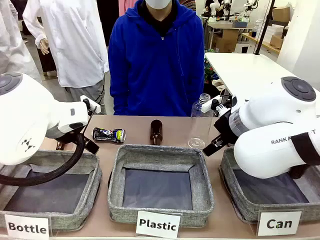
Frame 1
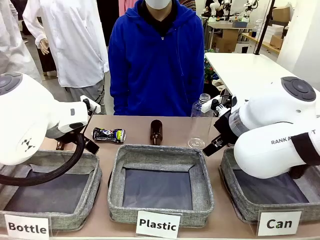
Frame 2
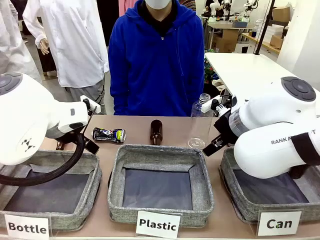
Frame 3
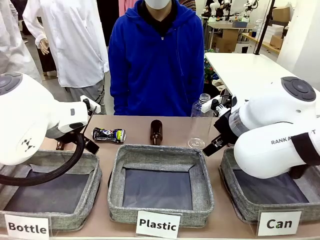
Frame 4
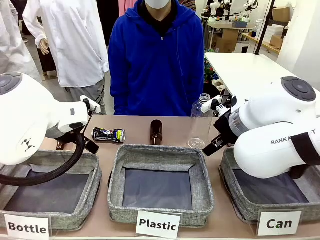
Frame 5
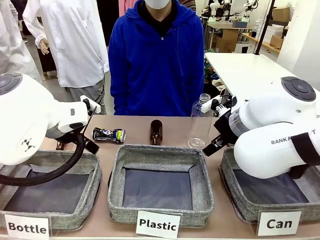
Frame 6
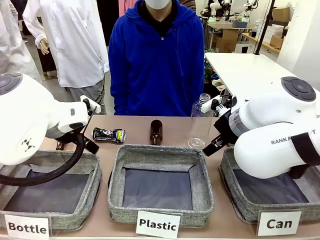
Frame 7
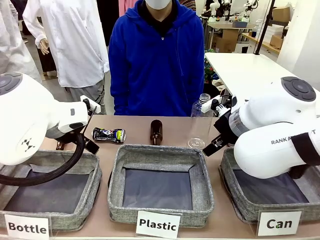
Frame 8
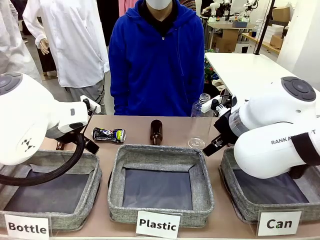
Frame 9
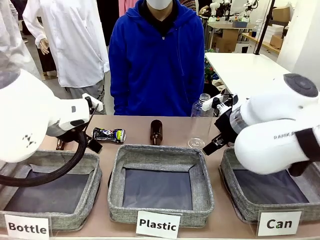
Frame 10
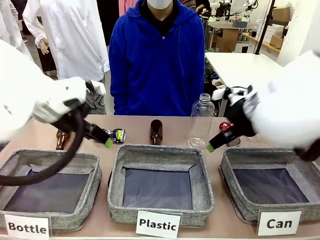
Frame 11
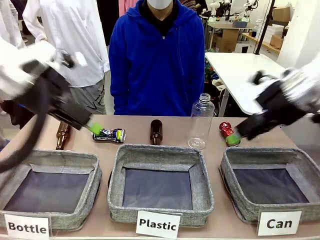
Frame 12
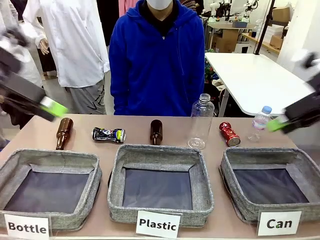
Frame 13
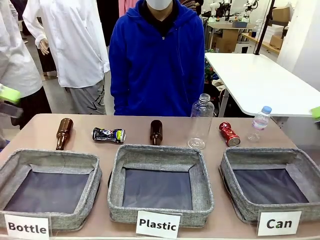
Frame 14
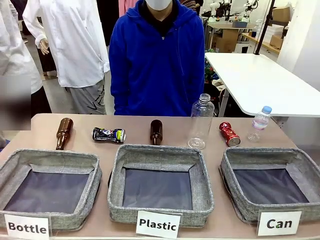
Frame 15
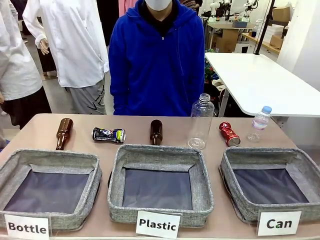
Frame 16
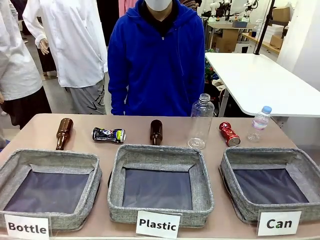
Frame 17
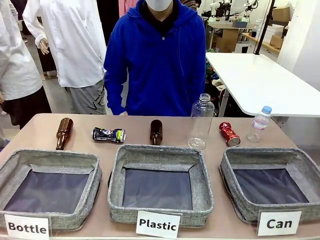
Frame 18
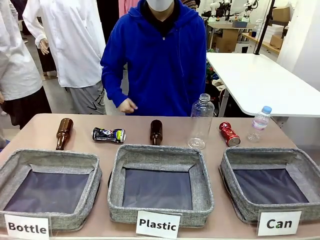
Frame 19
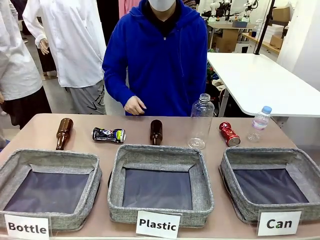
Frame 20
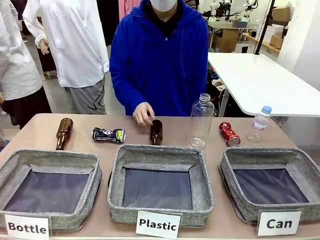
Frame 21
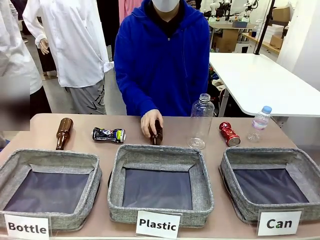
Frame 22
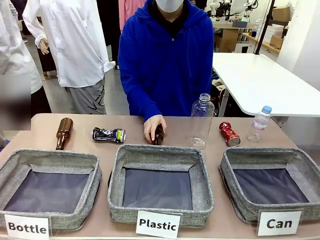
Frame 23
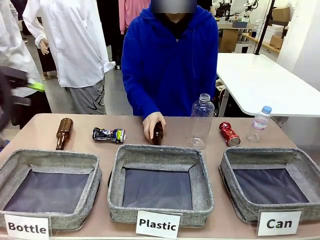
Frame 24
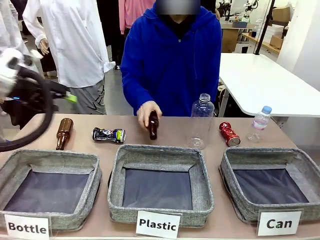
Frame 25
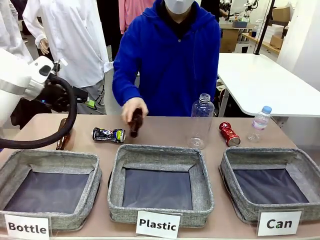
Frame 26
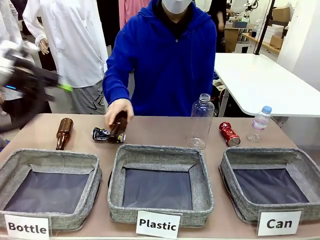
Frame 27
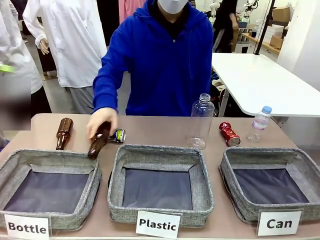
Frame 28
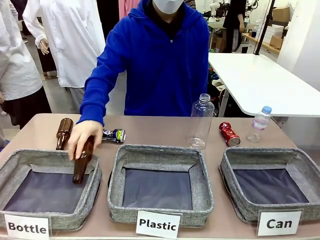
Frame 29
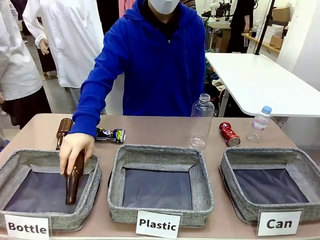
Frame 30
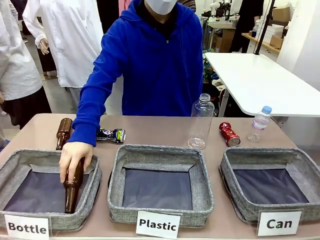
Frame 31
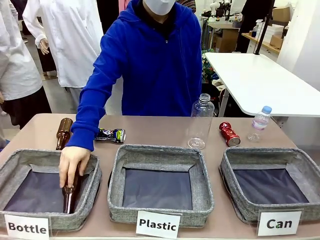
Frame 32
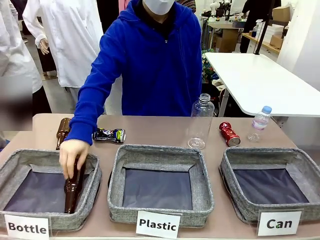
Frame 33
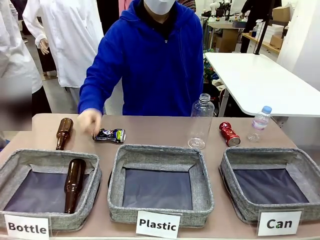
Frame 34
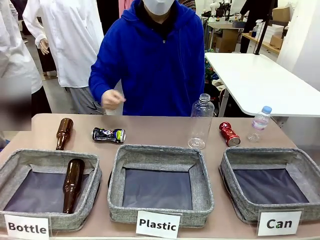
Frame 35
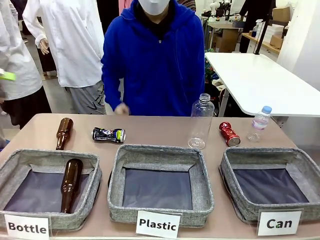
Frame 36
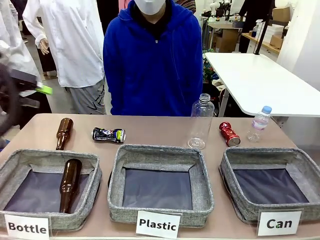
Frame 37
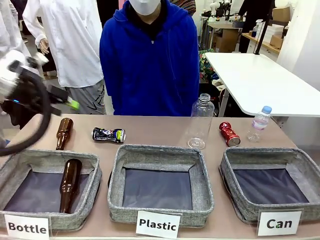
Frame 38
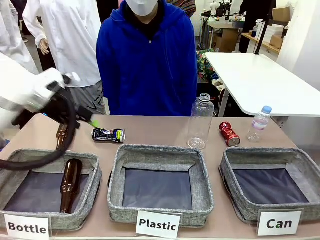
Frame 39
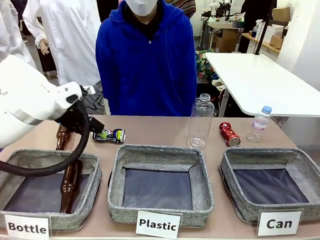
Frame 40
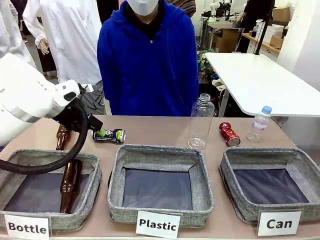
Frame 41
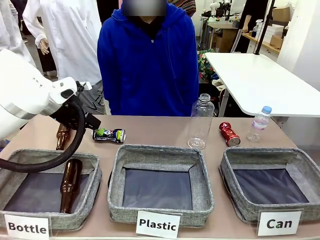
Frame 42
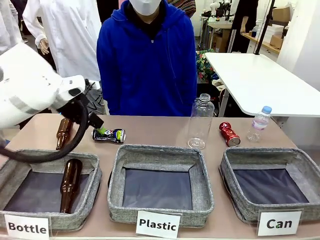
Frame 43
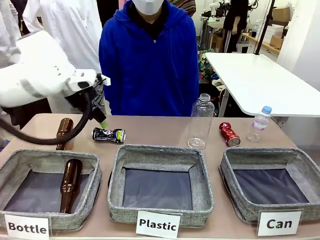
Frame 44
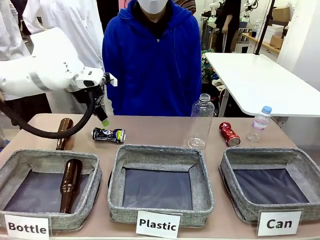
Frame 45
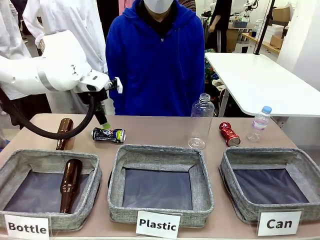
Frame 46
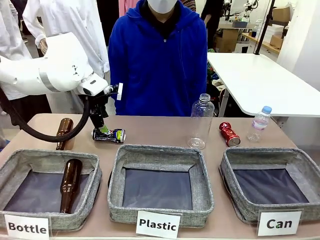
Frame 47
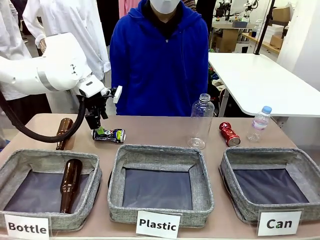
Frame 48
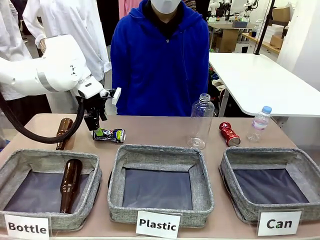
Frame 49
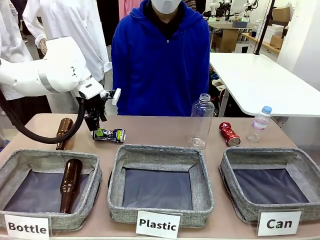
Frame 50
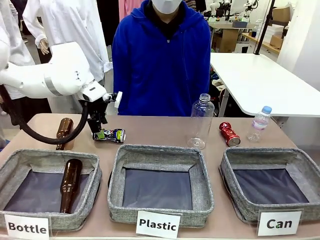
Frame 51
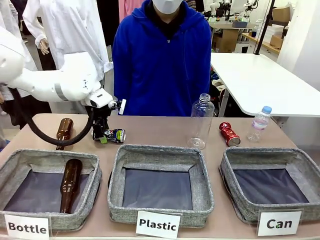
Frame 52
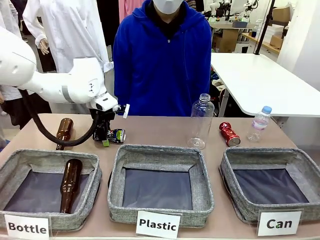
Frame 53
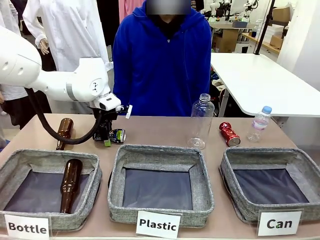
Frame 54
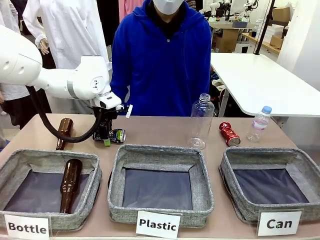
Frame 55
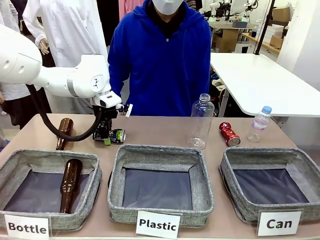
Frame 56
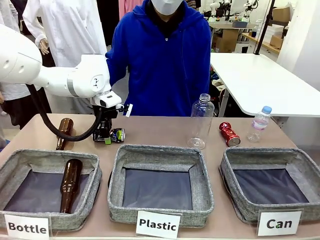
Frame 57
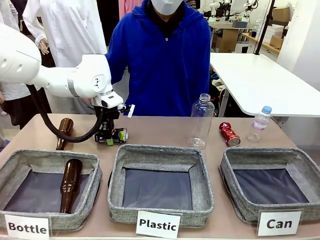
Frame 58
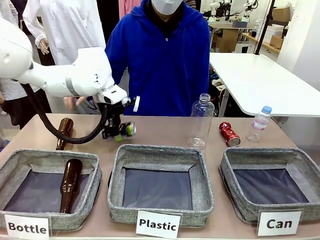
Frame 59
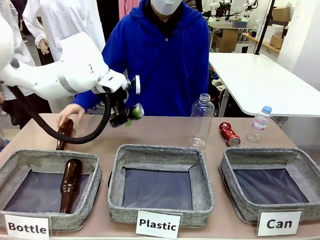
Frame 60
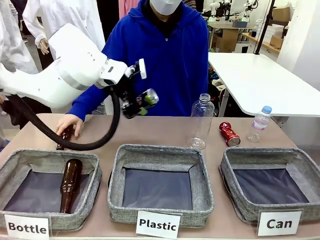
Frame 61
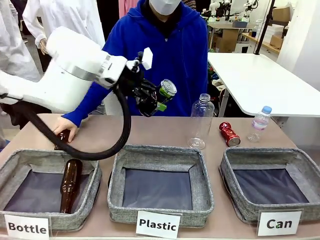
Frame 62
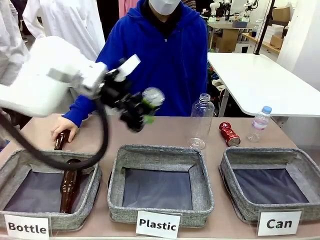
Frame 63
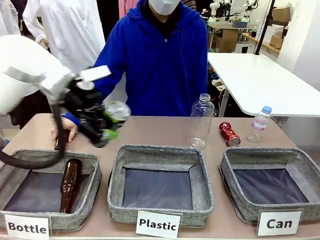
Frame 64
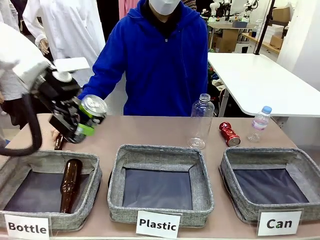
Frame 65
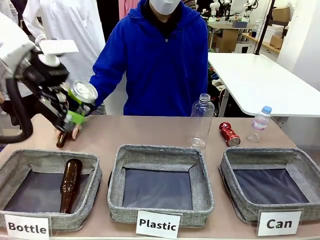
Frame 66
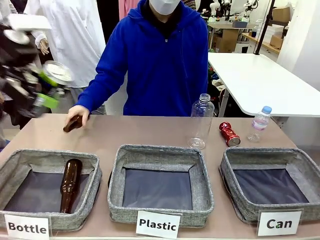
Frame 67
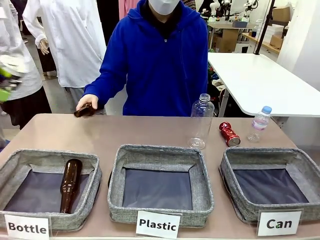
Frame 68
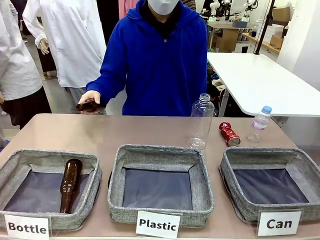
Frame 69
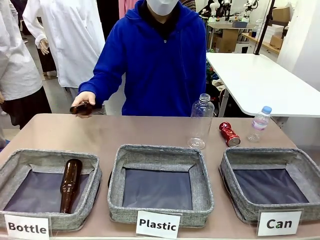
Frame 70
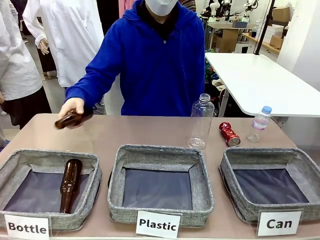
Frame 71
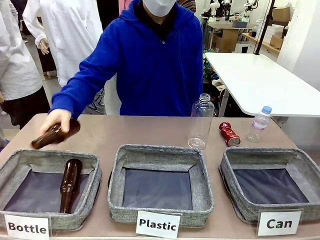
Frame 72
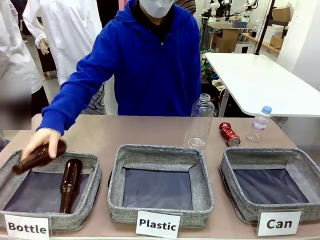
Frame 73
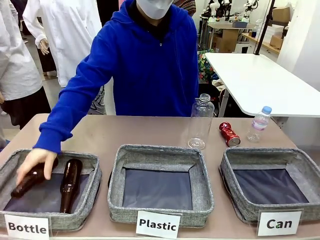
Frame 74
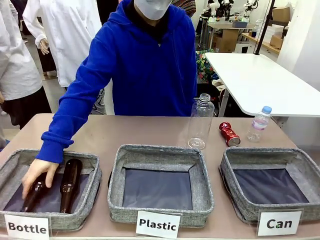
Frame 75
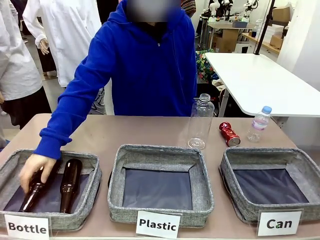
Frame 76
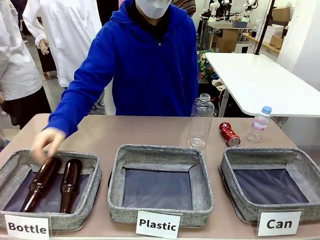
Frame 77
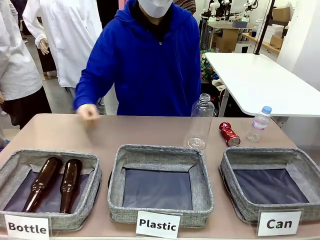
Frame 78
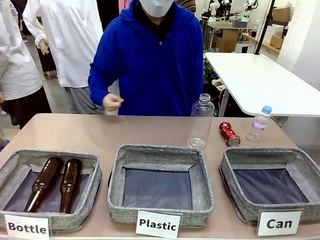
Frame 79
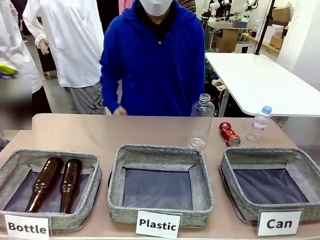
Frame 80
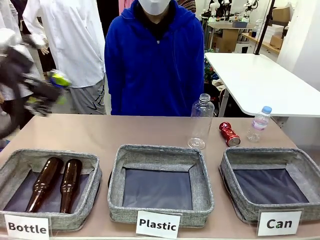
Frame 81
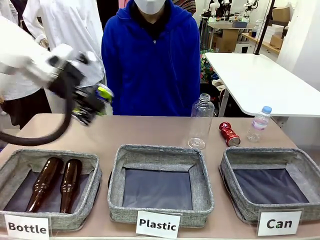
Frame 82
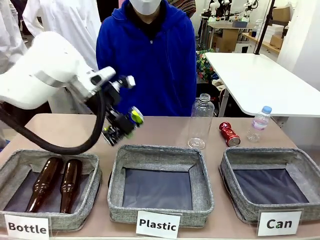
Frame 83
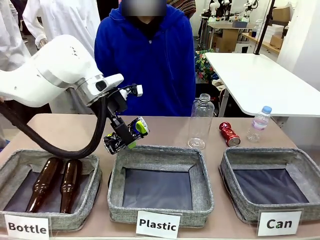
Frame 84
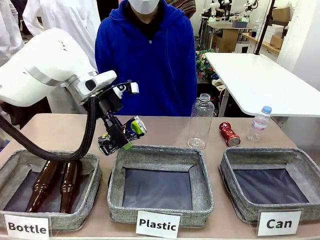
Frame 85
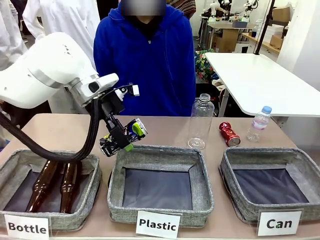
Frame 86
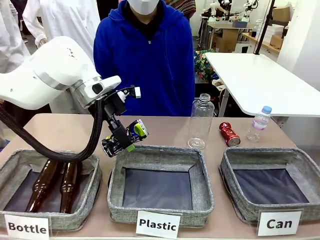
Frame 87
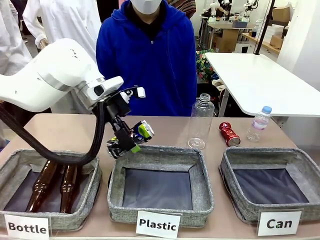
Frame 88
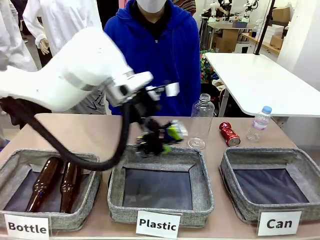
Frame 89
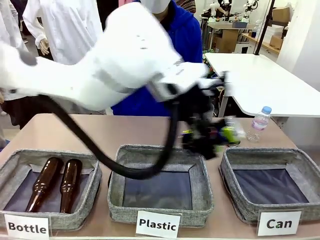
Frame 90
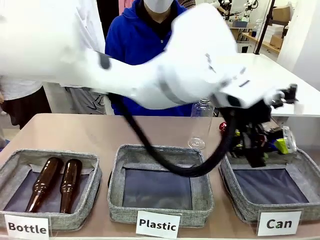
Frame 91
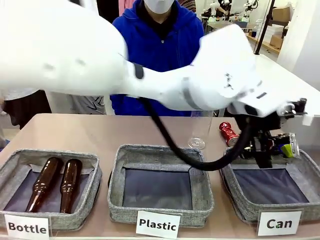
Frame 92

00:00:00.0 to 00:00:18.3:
Task: Sort the can waste into the basket.
Robot: Pick up the can waste from the table and place it in the right Fabric basket.
